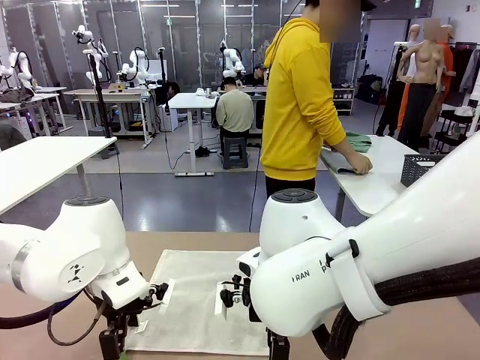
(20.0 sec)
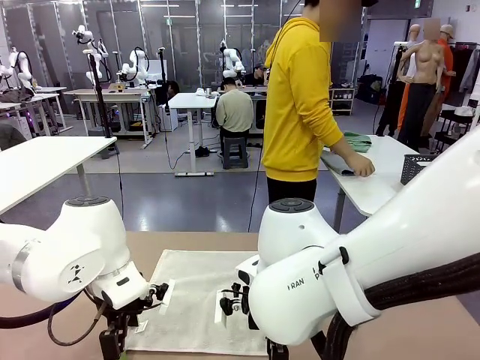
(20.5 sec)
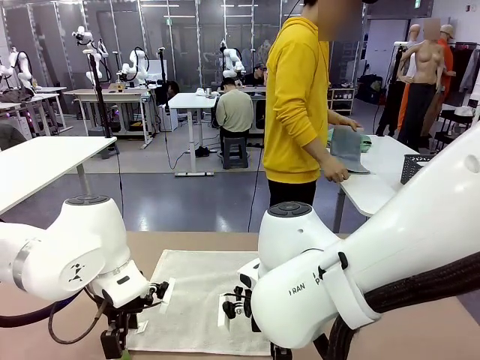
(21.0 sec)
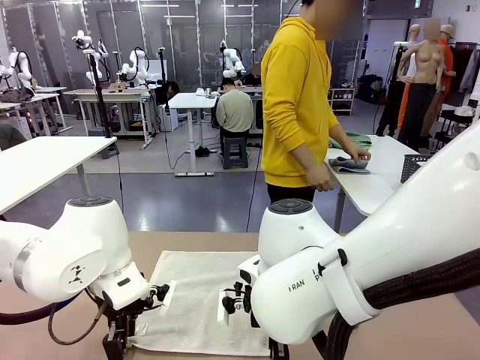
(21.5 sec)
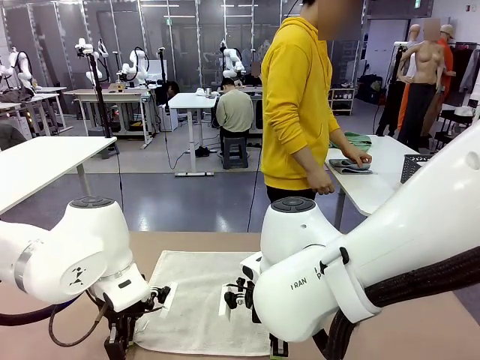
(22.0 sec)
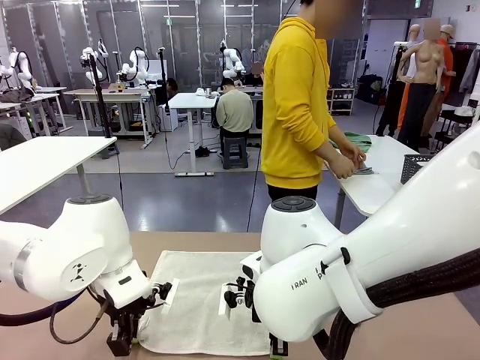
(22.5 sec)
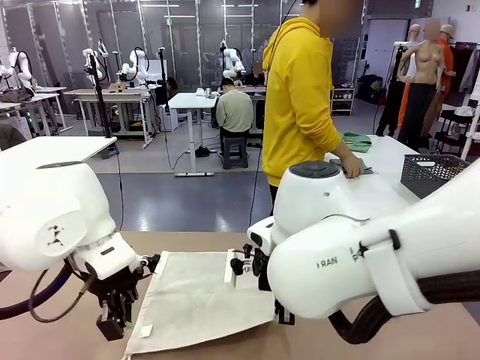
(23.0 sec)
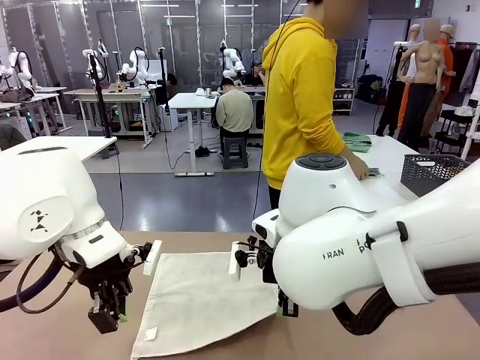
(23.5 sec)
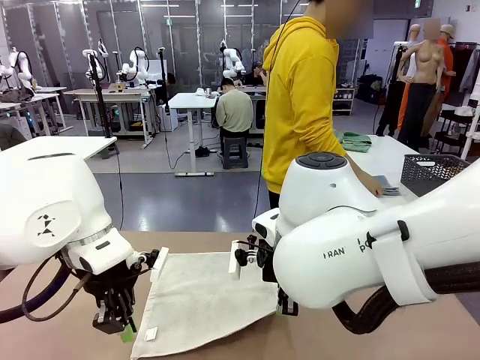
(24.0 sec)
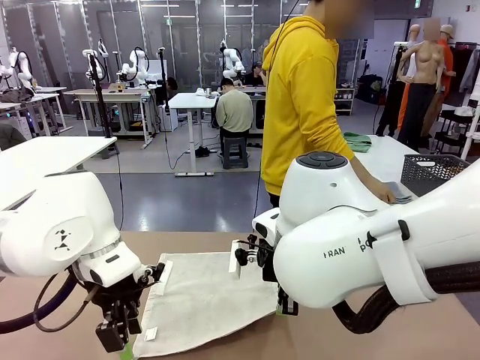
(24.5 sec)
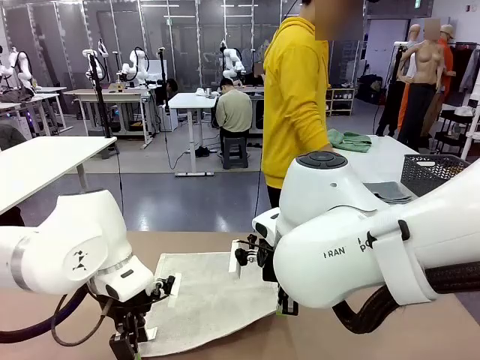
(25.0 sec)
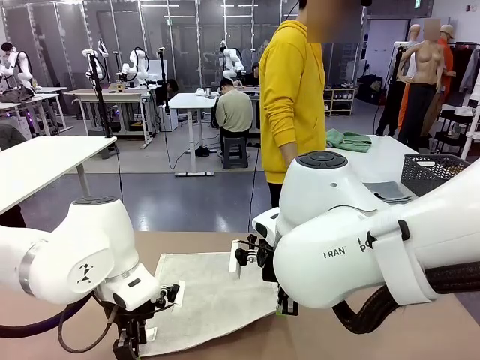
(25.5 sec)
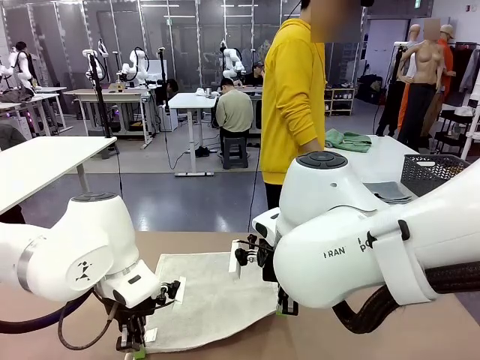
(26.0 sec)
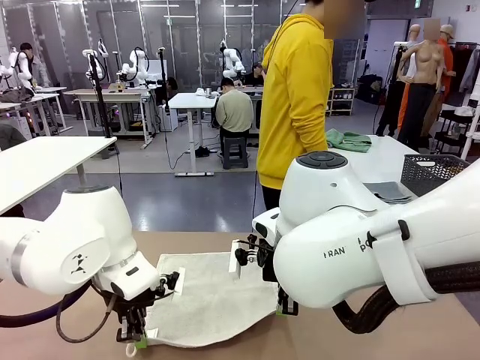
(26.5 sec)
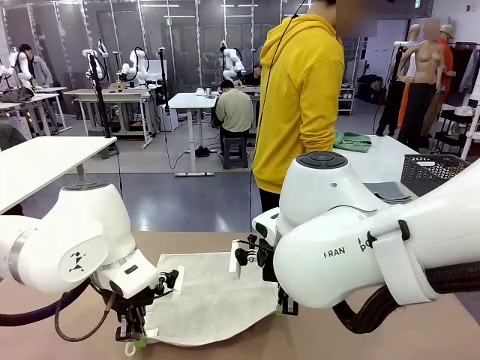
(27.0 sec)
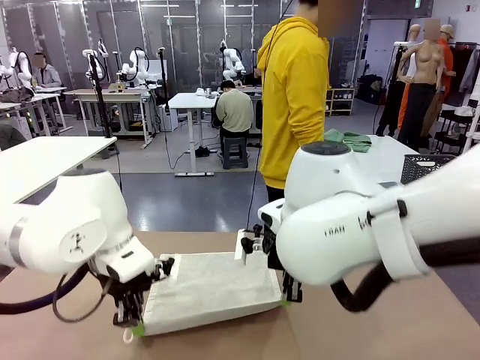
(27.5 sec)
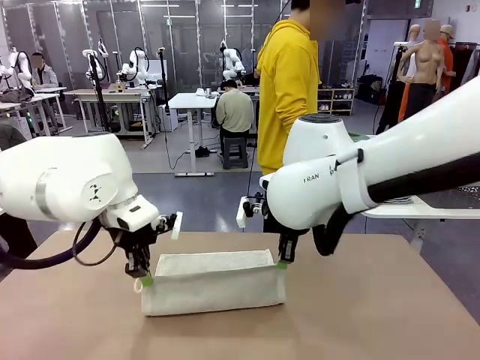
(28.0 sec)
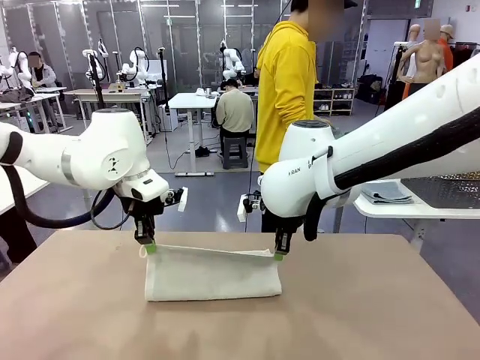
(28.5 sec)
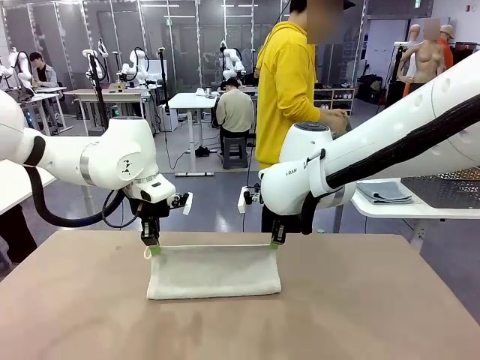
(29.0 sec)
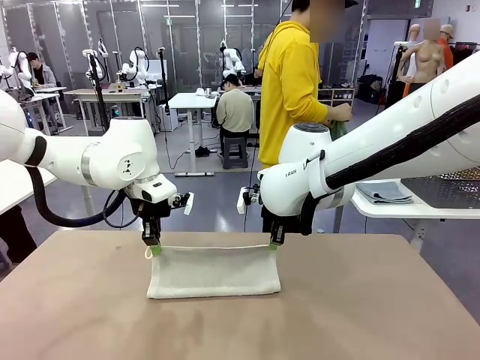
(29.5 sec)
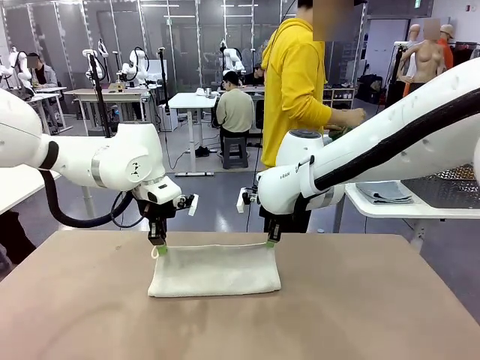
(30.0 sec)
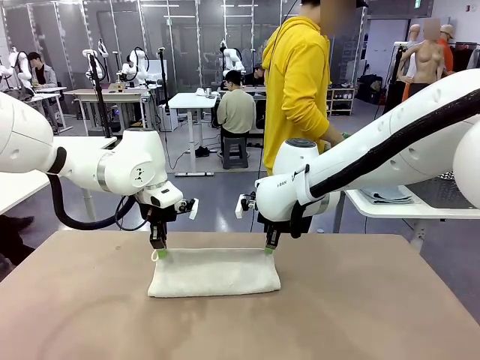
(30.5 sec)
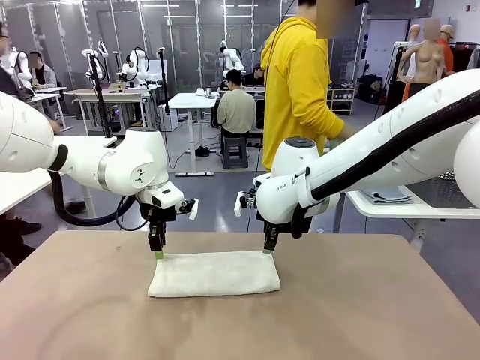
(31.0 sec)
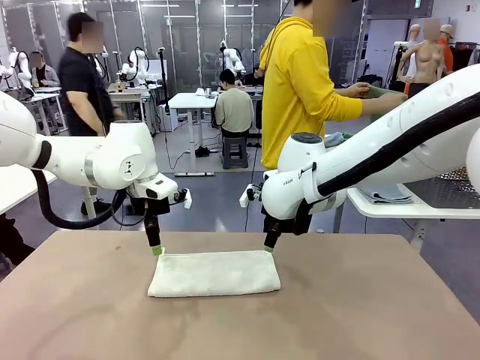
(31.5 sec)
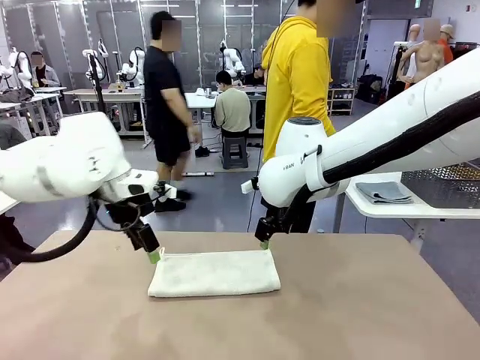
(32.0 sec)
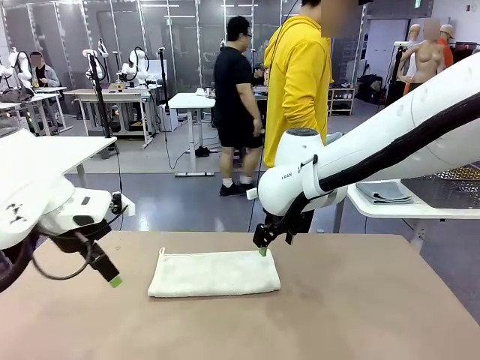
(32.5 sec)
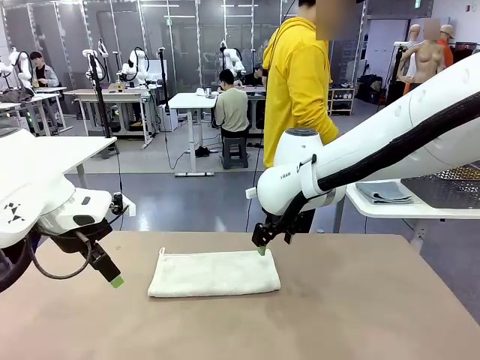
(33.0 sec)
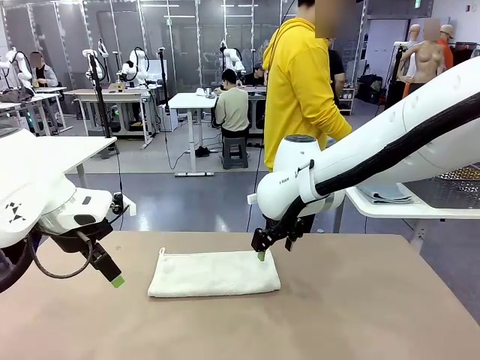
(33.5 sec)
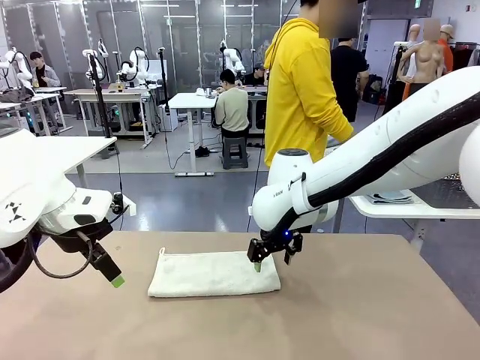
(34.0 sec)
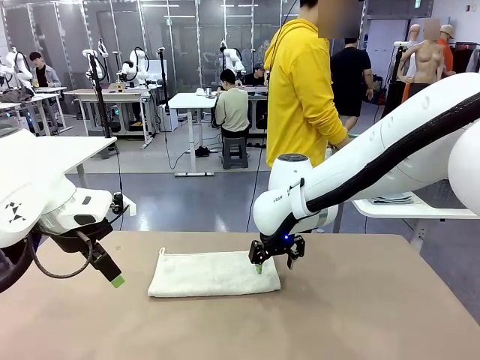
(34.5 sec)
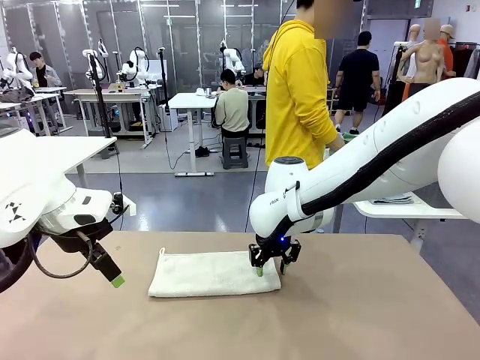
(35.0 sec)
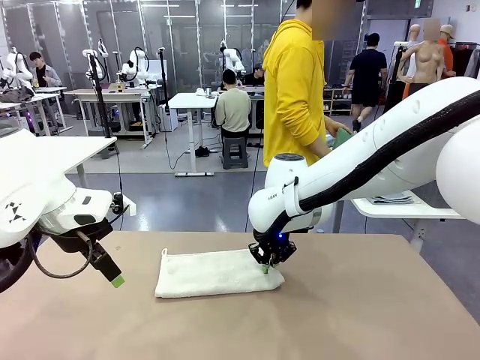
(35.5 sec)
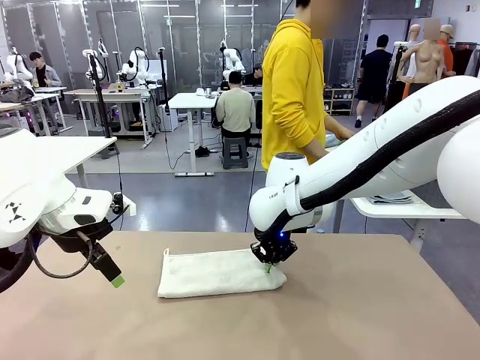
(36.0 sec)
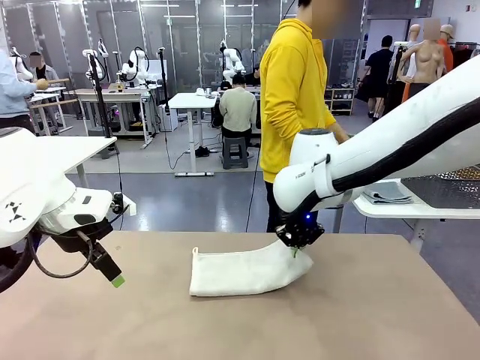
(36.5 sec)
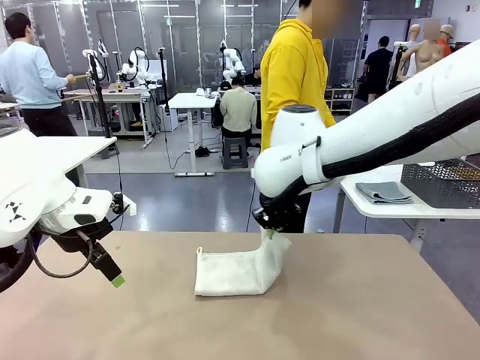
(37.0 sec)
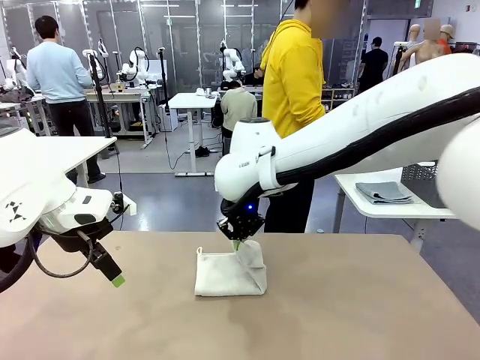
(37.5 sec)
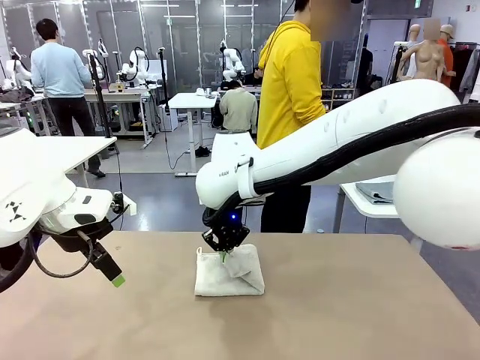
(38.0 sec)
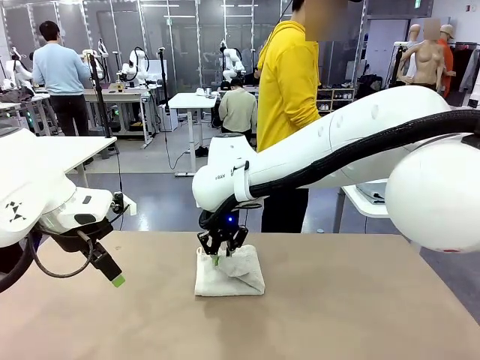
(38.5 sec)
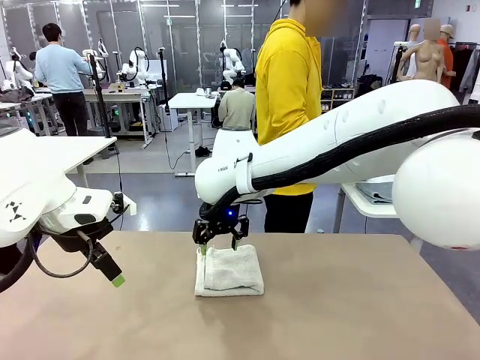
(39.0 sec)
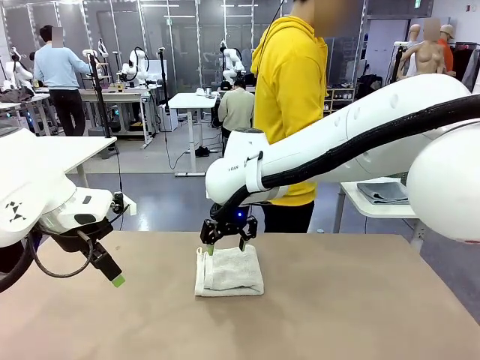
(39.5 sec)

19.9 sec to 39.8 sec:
Task: Fold the towels and place them in the basket.
Robot: When a person lays out a Towel with hook on the table, fold it in half twice.
Person: Pick up one towel from the left side of the human table, fold it in half twice, and stack it on the right side of the table.

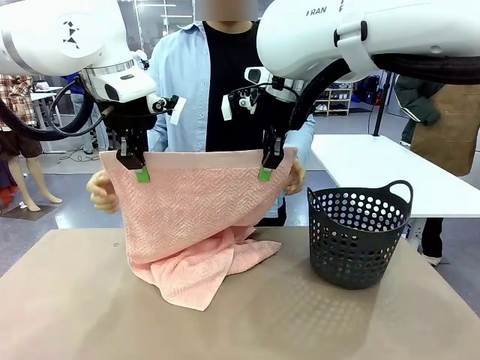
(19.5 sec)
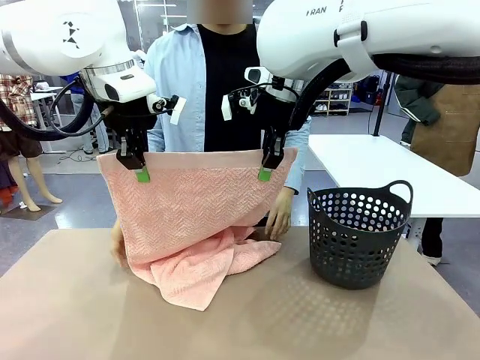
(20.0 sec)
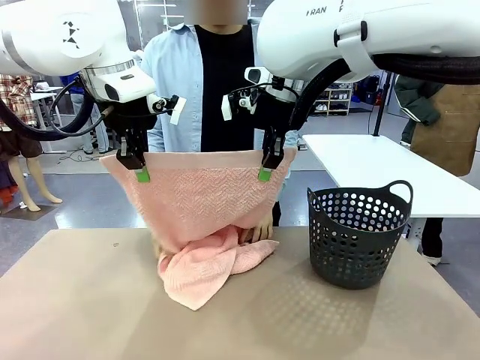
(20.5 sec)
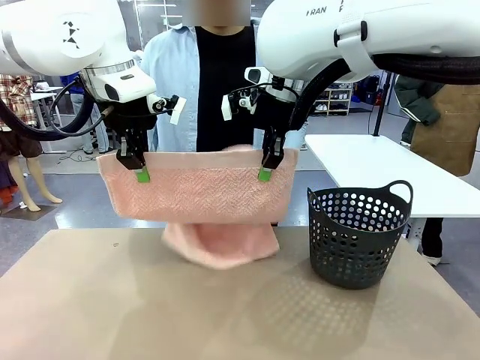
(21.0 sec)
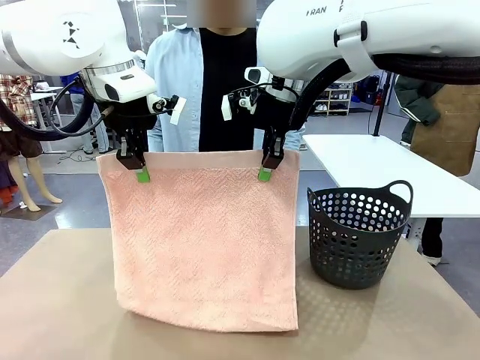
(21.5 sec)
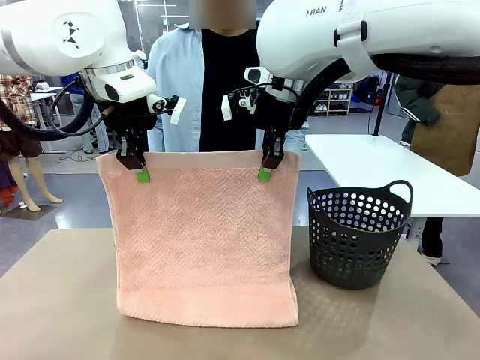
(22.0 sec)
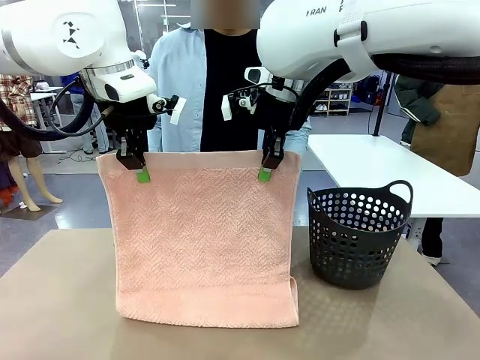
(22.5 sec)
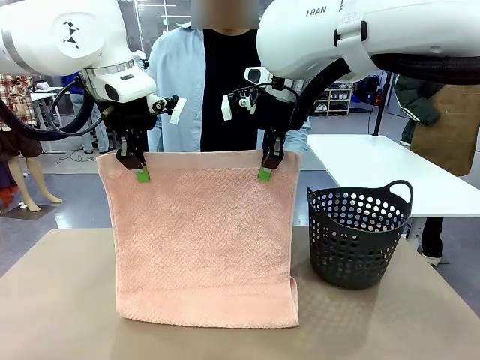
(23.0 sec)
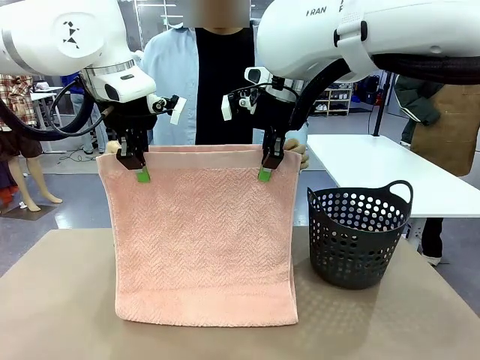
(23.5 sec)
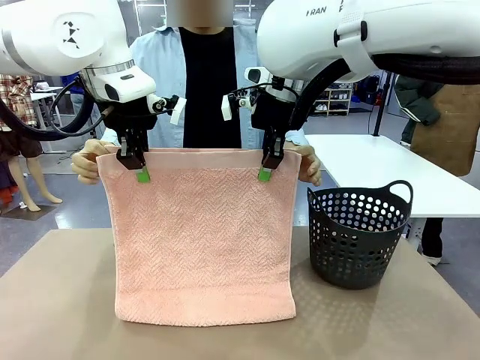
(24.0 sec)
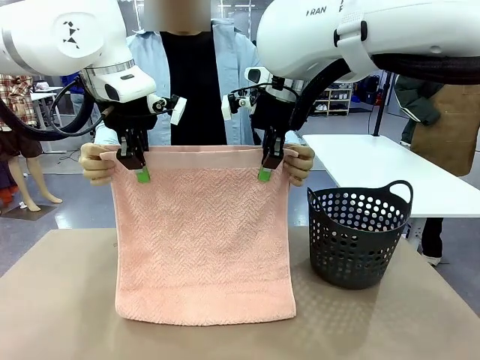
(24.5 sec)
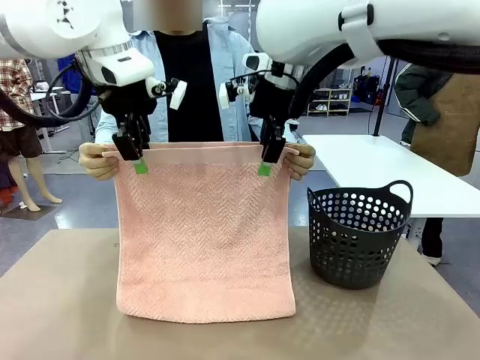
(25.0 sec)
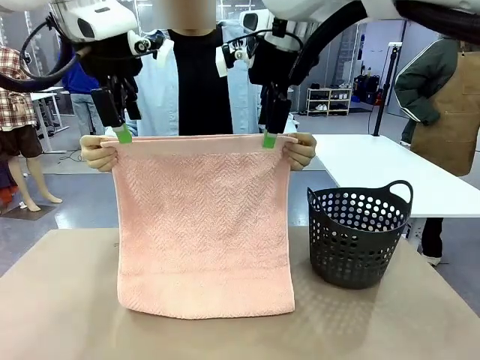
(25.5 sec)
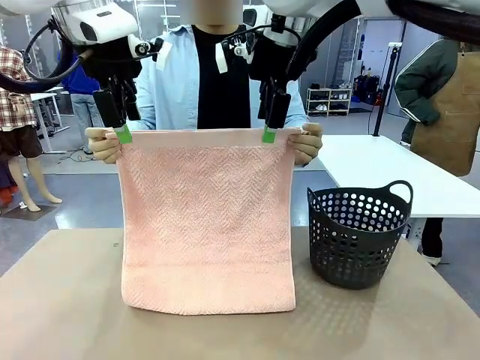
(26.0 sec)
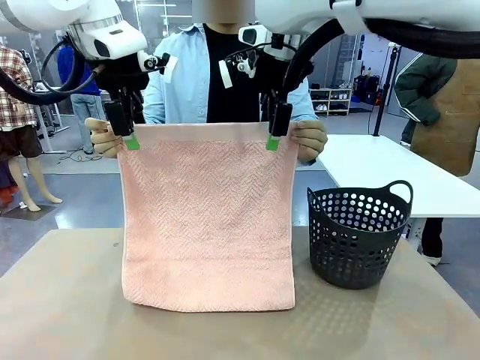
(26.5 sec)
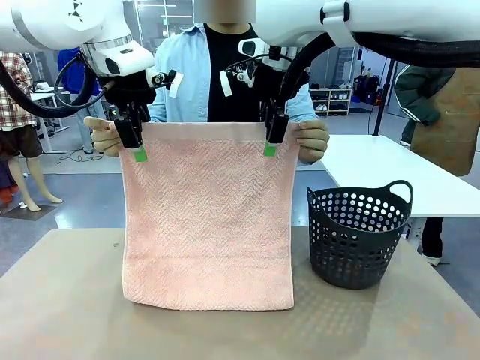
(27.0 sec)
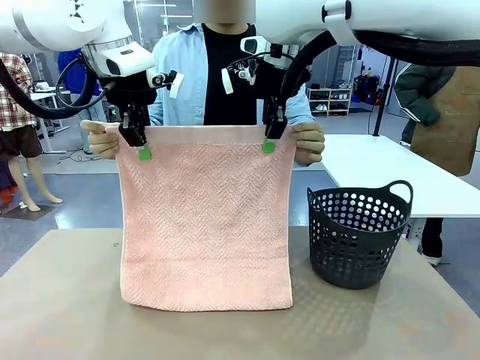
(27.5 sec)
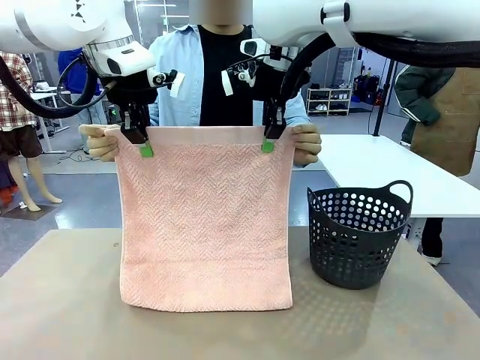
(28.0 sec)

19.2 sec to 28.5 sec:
Task: Fold the towel.
Robot: Release the end of the 100 cm Hotel Towel you were holding and grab the top end of the folded side.
